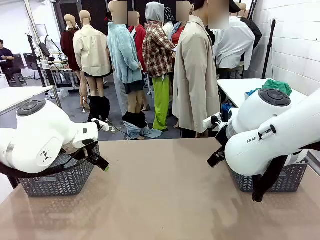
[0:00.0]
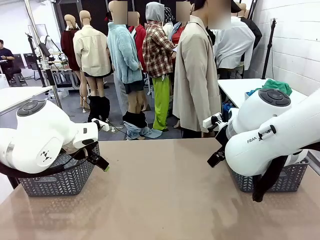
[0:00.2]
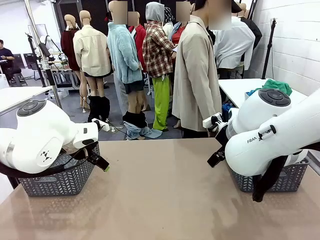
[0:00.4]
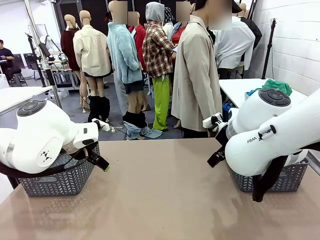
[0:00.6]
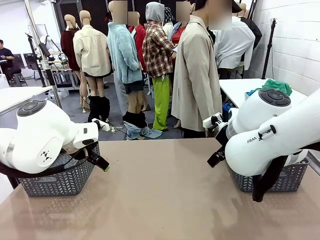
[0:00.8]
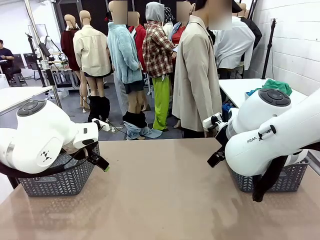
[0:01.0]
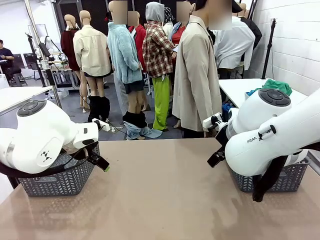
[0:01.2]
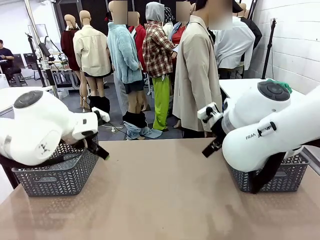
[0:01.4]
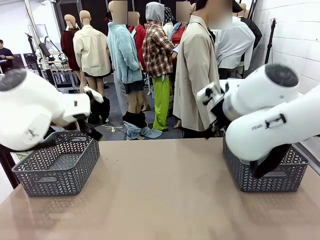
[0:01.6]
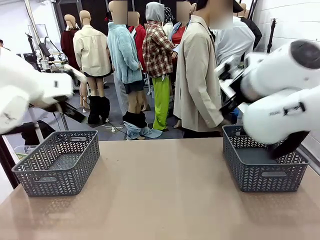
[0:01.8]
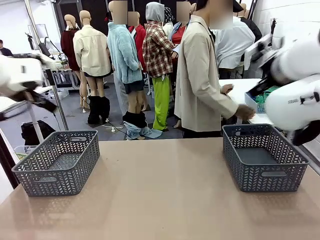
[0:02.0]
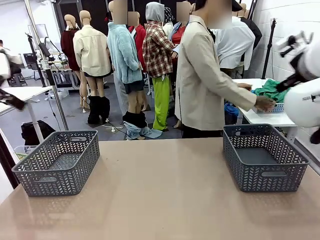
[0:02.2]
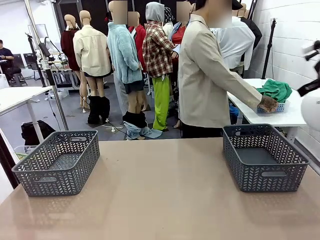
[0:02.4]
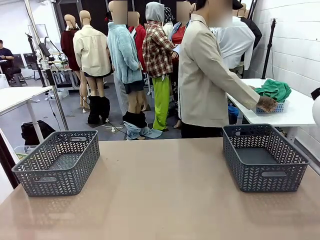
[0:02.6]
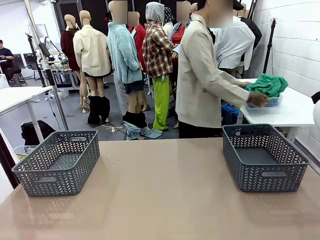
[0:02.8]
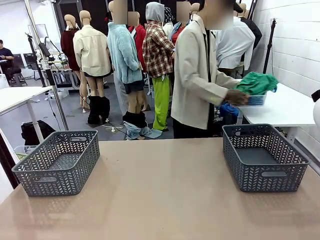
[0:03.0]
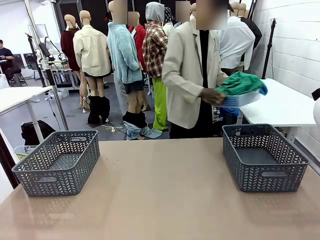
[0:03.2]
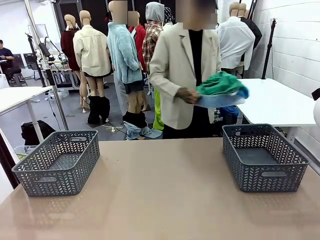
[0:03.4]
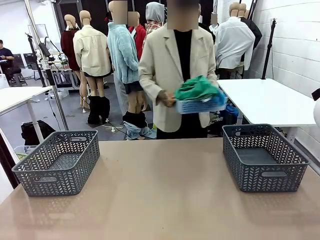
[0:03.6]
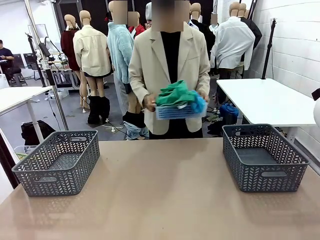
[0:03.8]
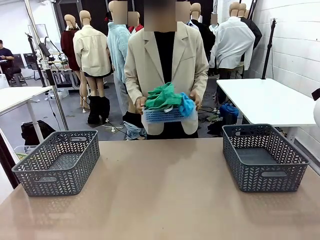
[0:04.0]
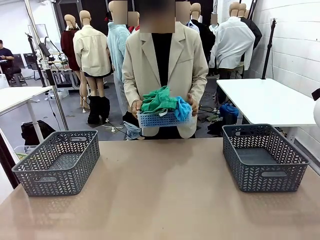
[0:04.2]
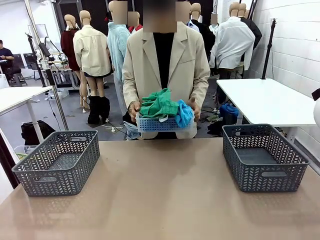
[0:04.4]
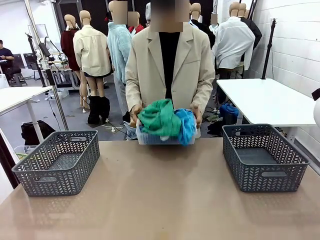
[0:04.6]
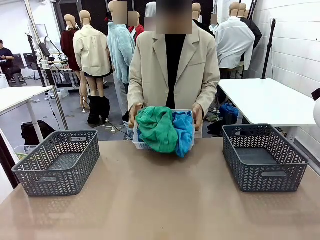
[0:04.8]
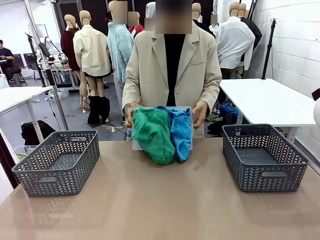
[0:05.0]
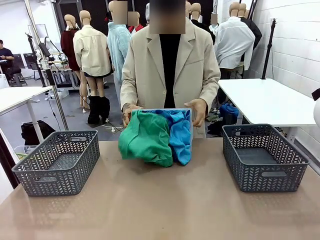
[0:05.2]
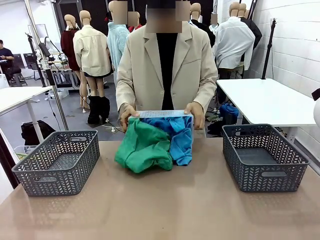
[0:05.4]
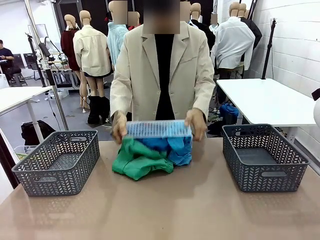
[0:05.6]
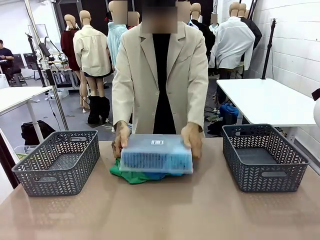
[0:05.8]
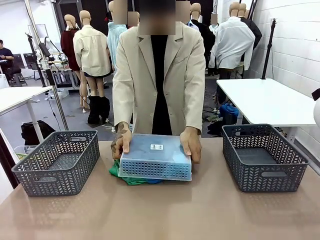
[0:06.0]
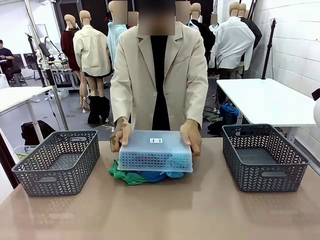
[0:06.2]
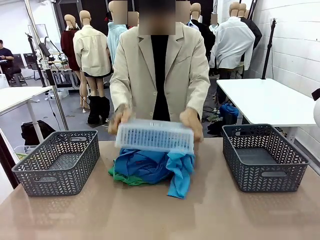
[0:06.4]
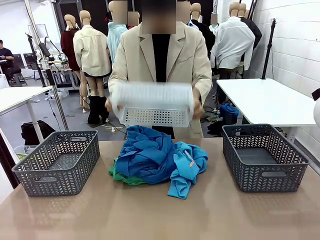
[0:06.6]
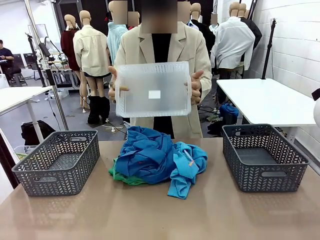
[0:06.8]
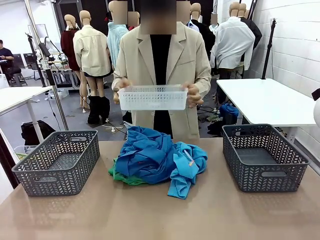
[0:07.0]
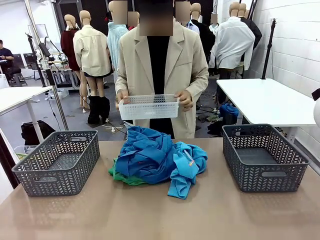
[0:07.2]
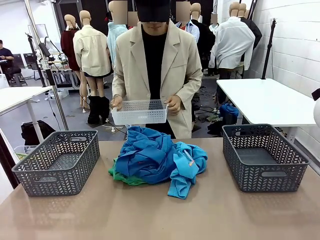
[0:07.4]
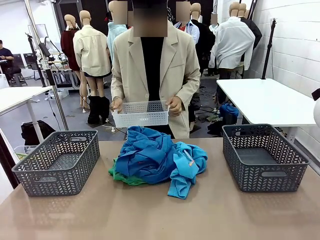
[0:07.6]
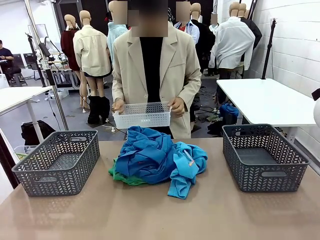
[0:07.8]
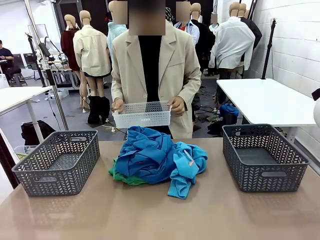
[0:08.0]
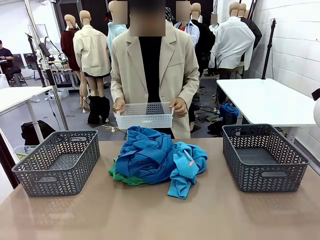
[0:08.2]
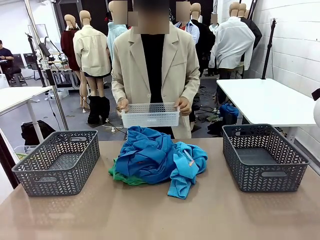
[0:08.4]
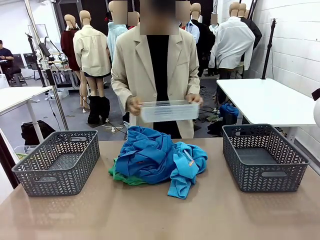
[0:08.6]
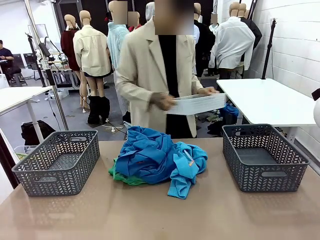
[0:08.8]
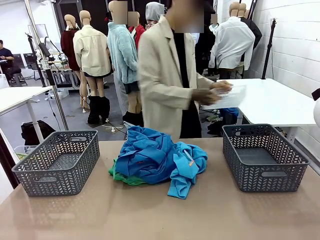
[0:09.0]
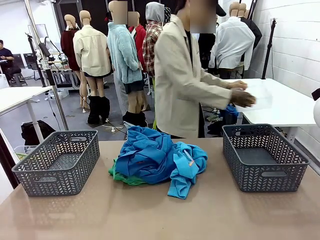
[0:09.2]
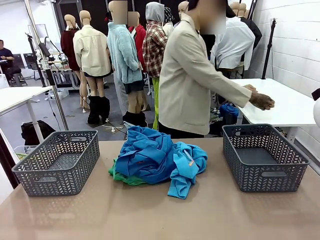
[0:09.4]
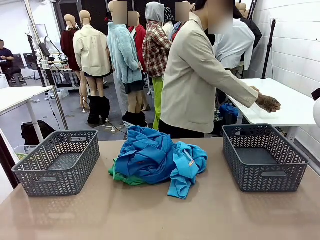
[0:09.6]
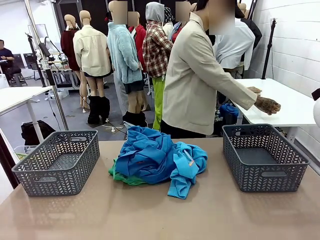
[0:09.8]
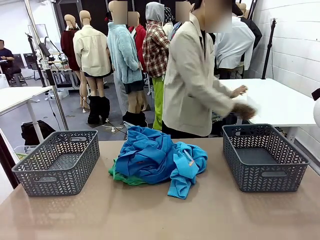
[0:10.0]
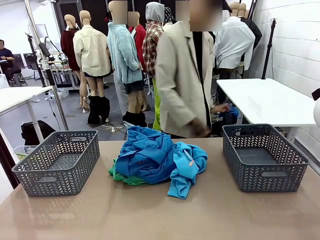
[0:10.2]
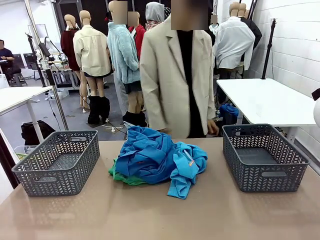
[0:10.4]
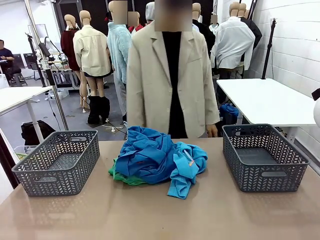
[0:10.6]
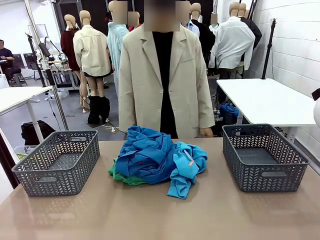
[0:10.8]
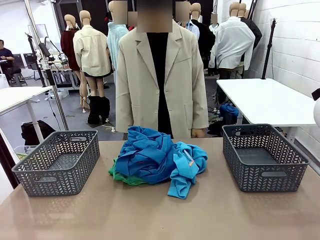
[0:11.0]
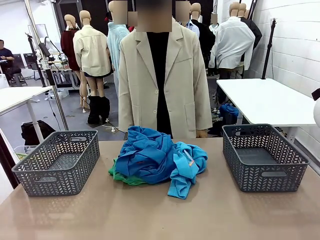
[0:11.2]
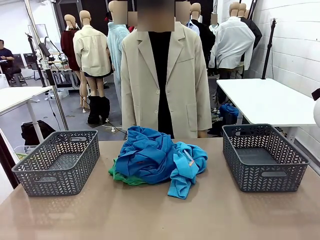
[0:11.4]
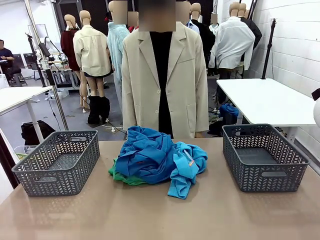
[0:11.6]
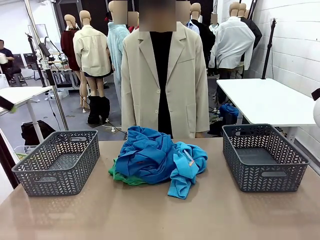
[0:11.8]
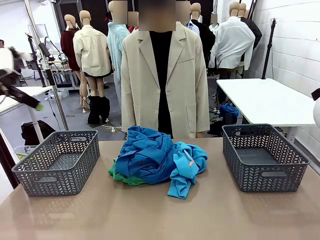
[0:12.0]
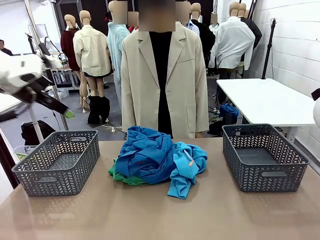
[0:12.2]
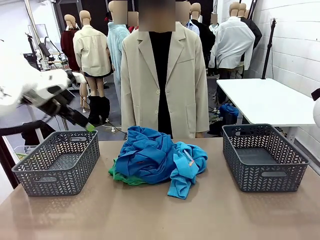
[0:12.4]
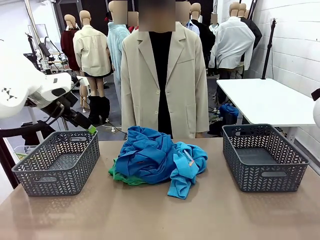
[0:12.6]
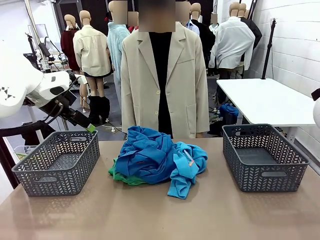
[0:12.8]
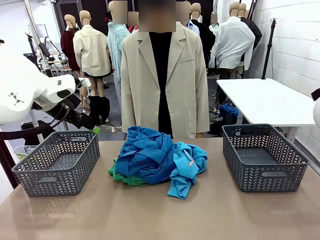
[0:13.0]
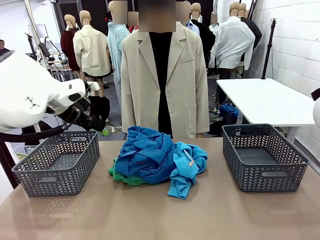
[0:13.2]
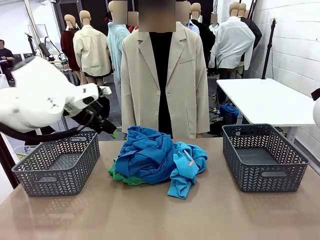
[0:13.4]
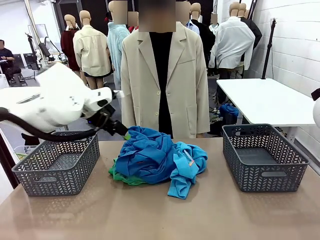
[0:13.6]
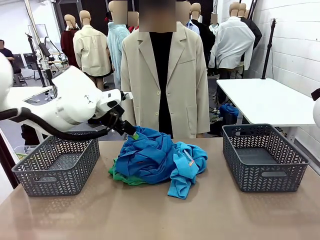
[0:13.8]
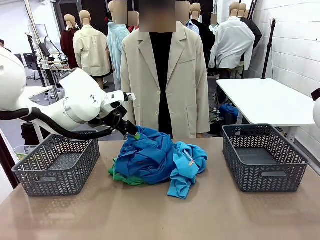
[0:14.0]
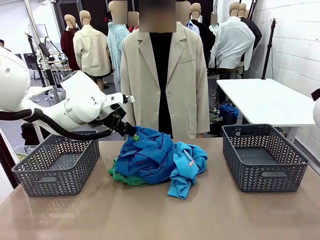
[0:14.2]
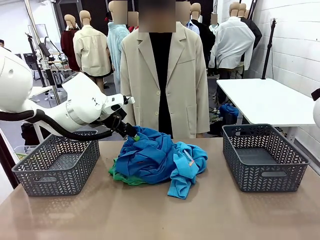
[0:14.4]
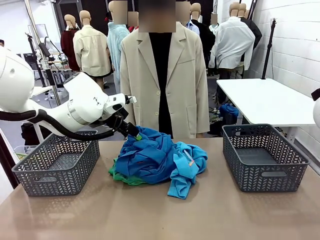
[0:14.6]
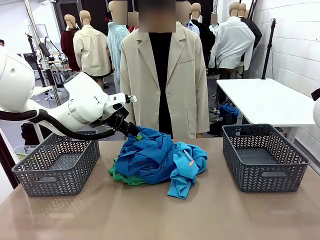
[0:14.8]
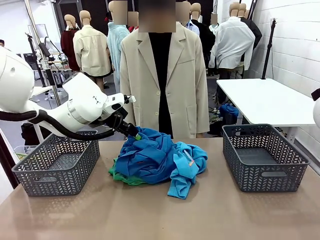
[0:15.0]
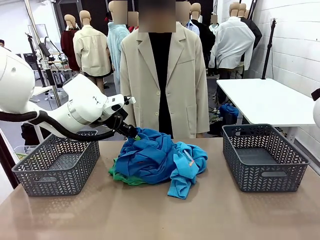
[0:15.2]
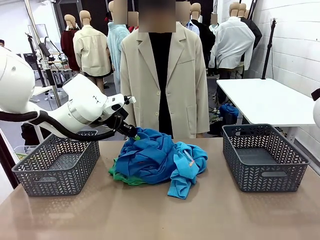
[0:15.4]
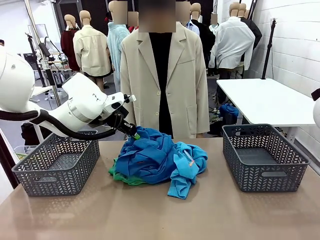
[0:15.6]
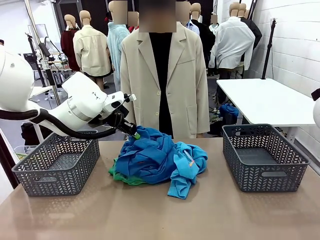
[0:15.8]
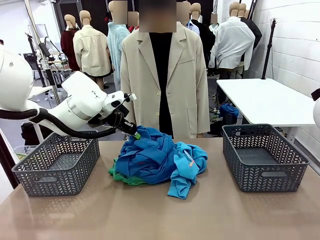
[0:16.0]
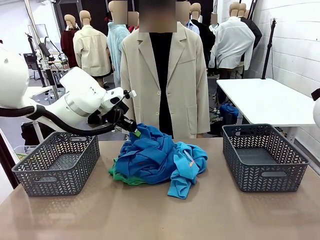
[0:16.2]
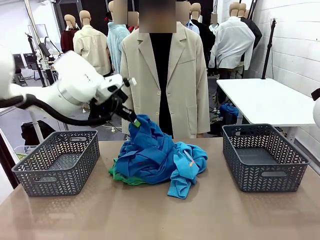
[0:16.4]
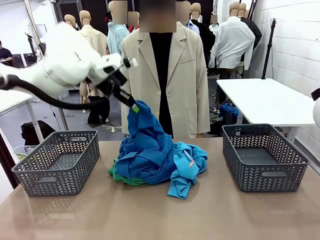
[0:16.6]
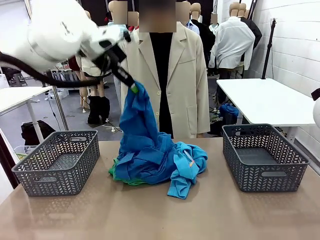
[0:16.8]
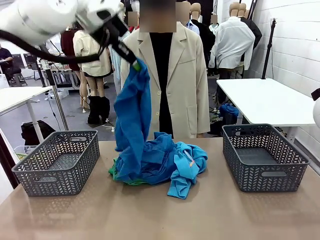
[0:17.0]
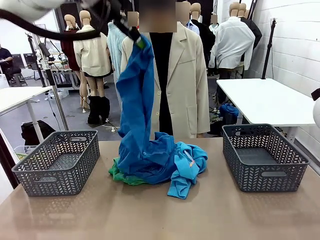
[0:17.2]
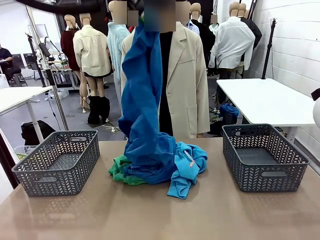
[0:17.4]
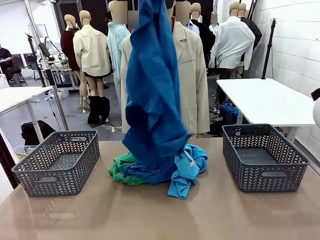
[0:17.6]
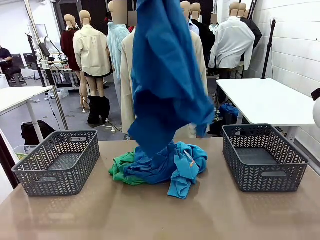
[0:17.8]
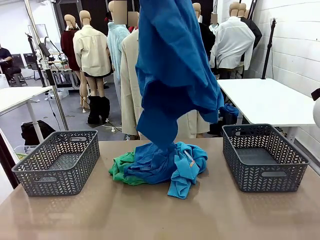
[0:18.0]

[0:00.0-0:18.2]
Task: Sort the tops and bottoms.
Robot: Lift clothes from the center of the table with your left hand.
Person: Pour the clothes from the basket onto the center of the robot table.
